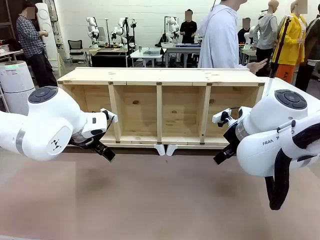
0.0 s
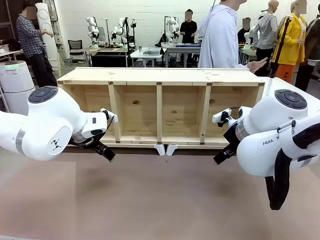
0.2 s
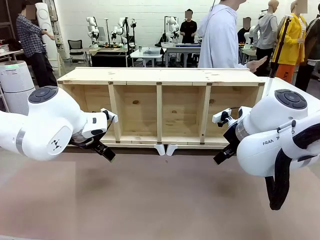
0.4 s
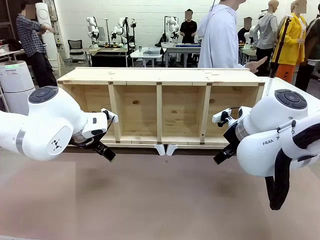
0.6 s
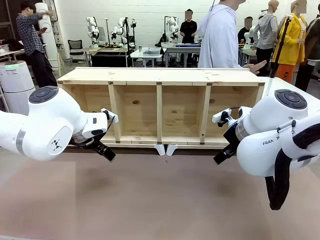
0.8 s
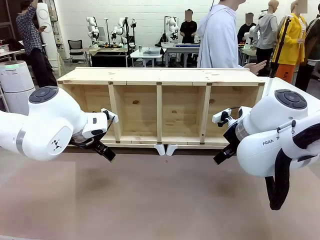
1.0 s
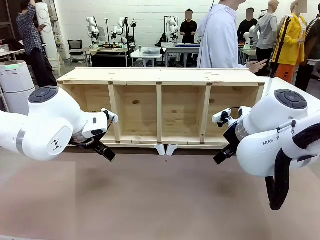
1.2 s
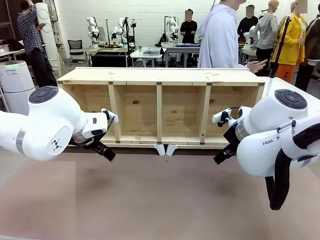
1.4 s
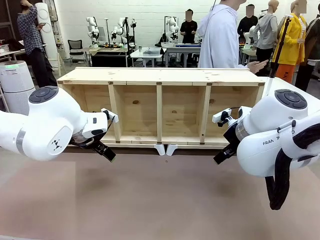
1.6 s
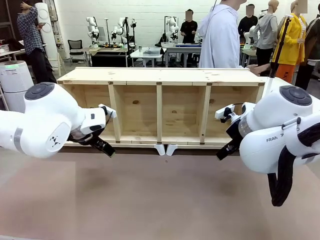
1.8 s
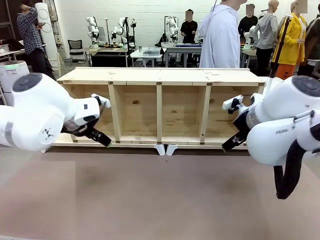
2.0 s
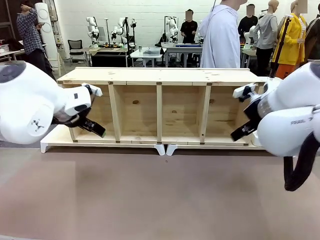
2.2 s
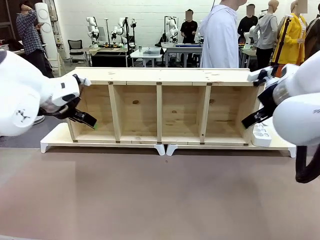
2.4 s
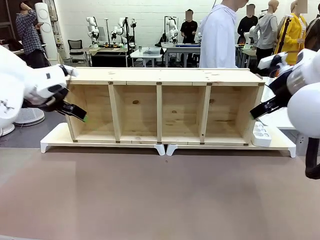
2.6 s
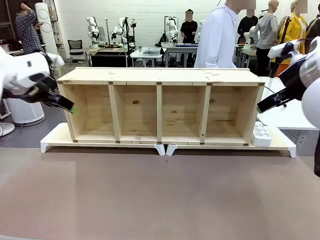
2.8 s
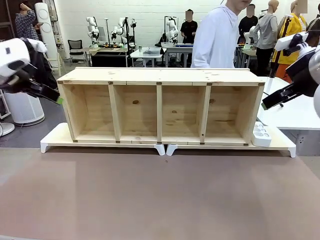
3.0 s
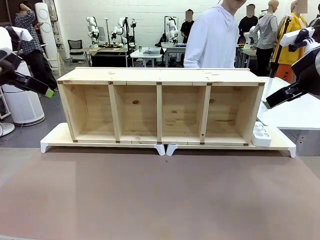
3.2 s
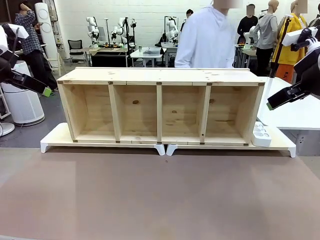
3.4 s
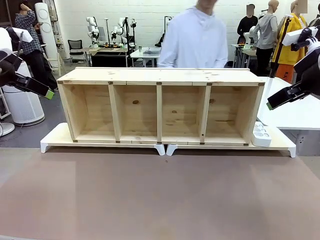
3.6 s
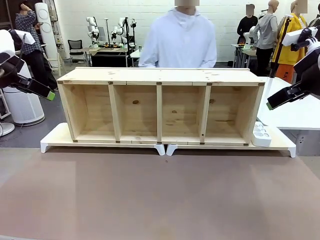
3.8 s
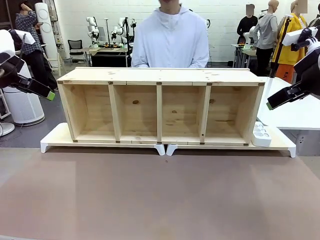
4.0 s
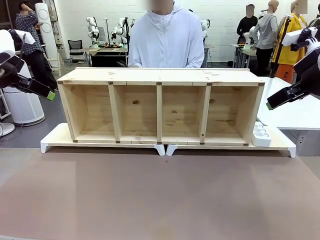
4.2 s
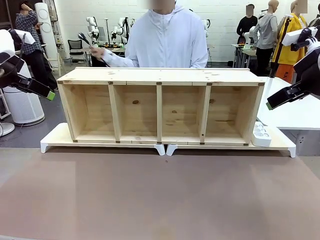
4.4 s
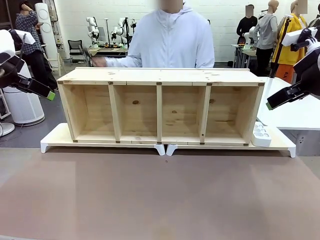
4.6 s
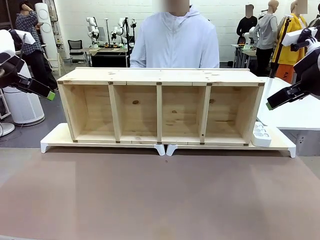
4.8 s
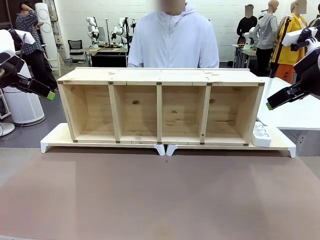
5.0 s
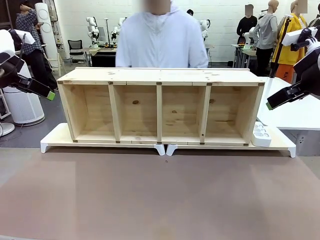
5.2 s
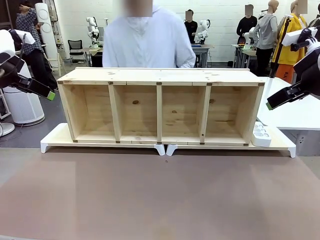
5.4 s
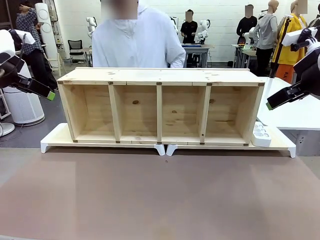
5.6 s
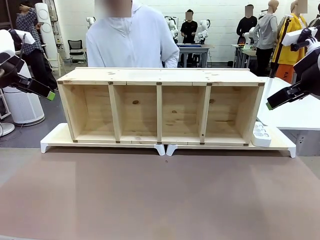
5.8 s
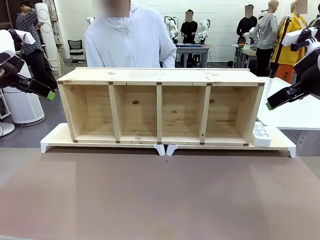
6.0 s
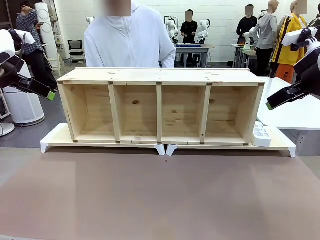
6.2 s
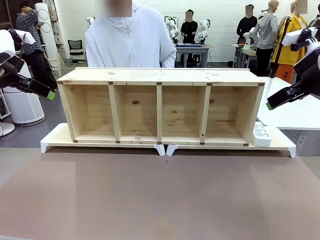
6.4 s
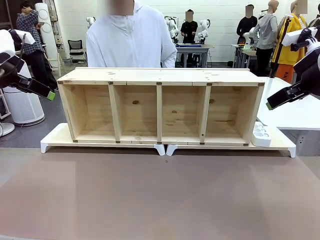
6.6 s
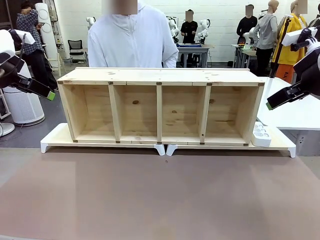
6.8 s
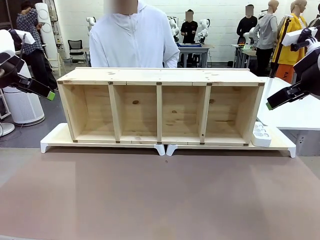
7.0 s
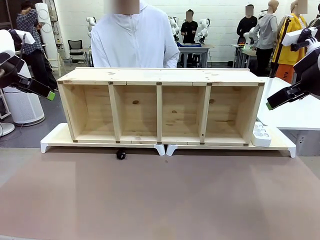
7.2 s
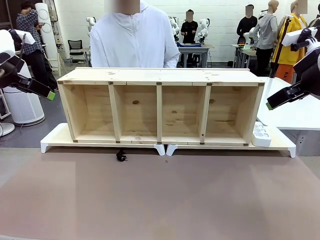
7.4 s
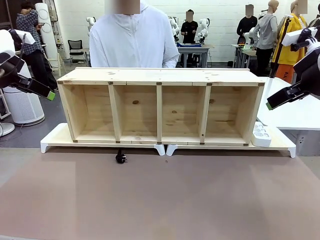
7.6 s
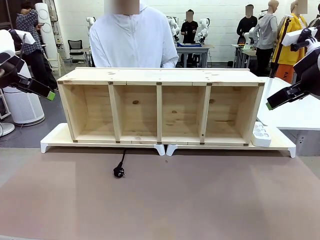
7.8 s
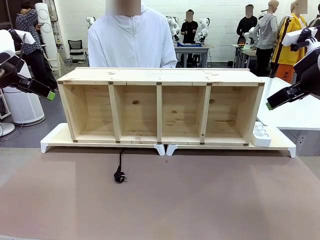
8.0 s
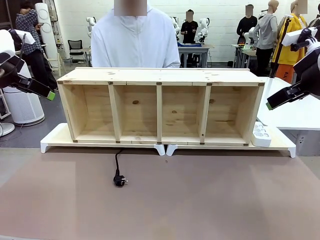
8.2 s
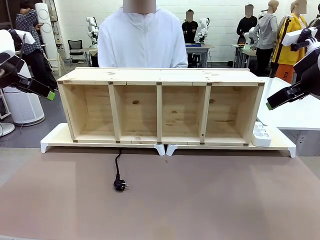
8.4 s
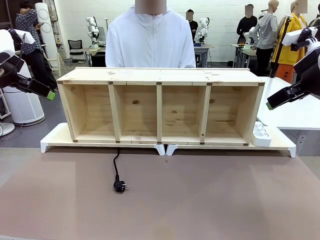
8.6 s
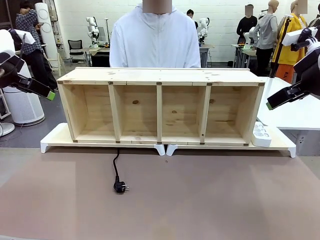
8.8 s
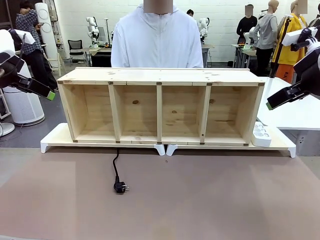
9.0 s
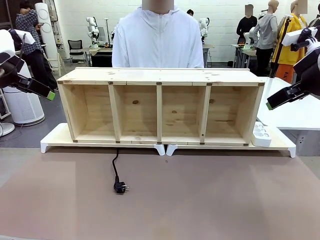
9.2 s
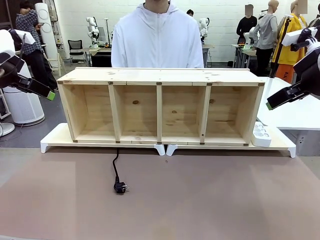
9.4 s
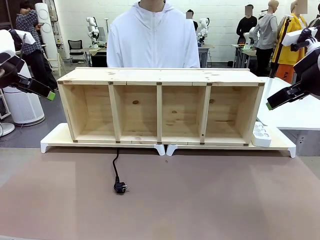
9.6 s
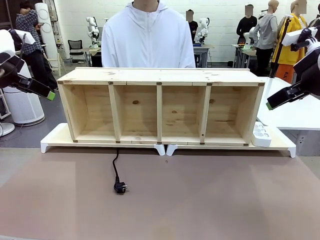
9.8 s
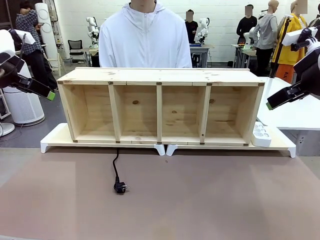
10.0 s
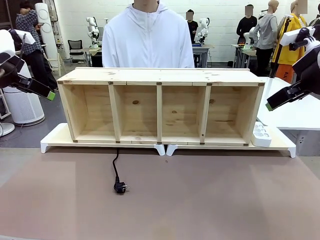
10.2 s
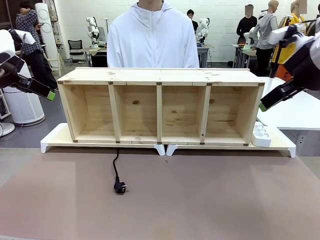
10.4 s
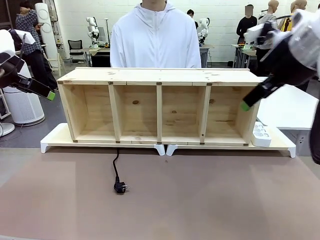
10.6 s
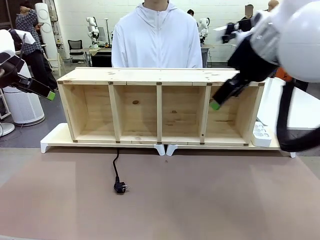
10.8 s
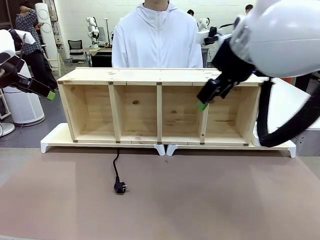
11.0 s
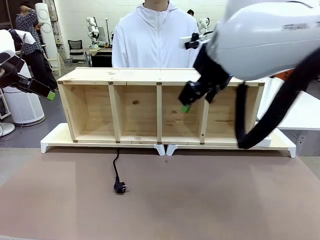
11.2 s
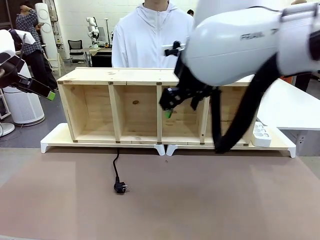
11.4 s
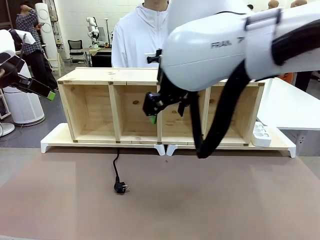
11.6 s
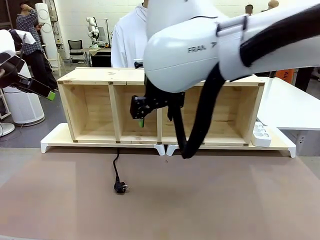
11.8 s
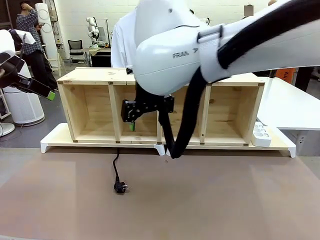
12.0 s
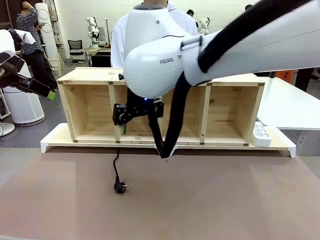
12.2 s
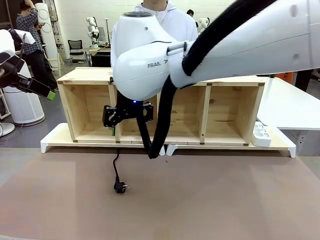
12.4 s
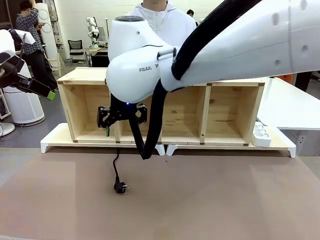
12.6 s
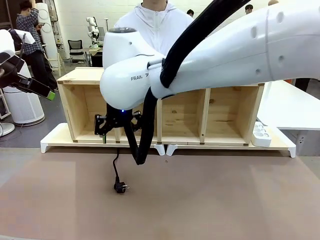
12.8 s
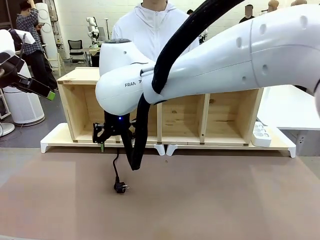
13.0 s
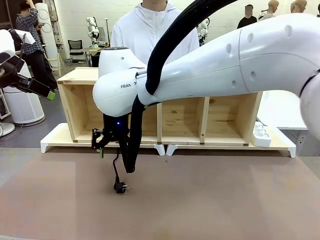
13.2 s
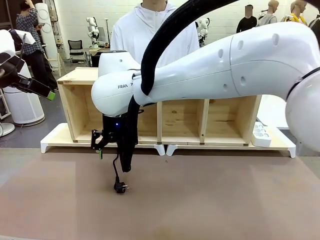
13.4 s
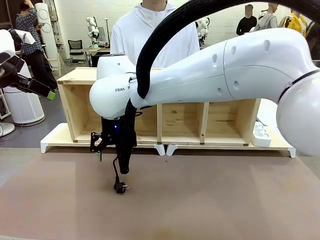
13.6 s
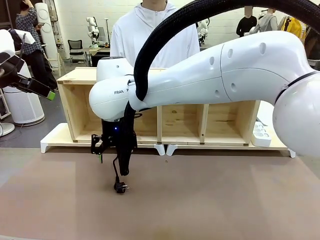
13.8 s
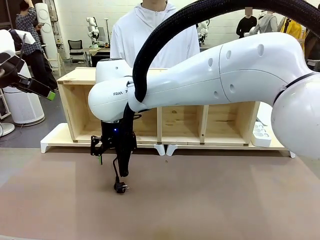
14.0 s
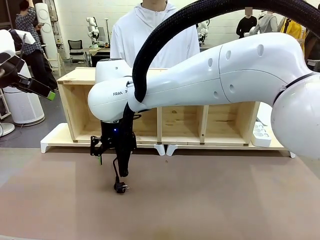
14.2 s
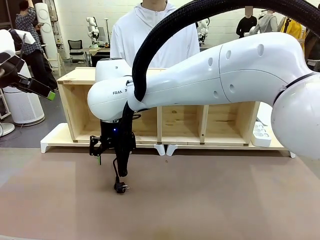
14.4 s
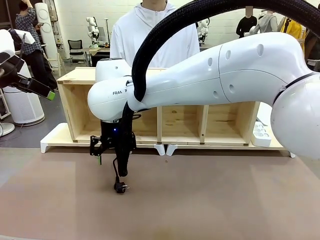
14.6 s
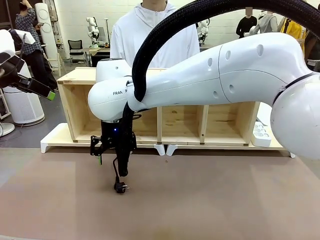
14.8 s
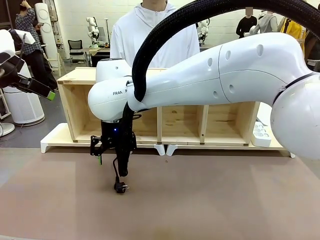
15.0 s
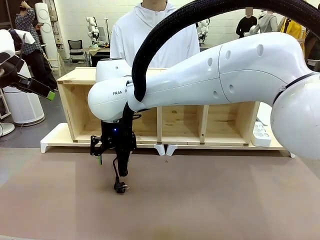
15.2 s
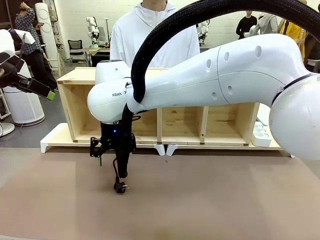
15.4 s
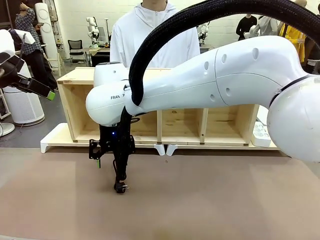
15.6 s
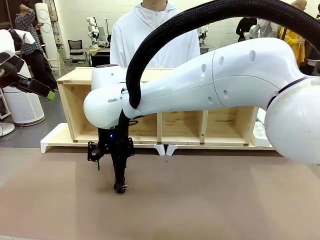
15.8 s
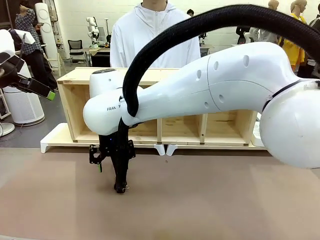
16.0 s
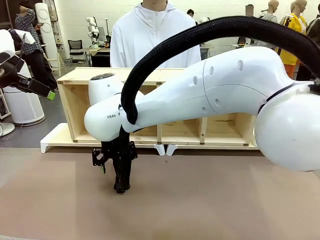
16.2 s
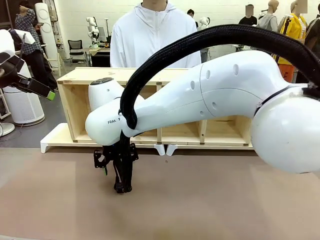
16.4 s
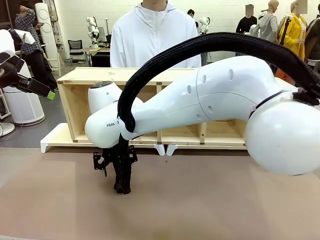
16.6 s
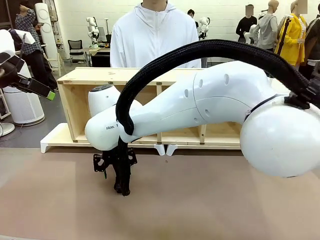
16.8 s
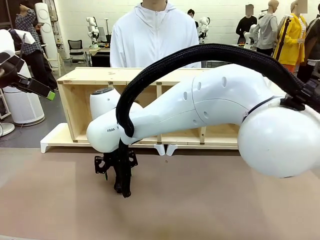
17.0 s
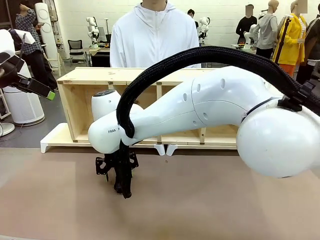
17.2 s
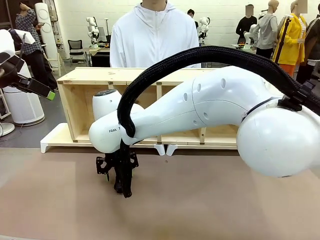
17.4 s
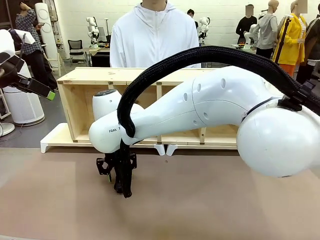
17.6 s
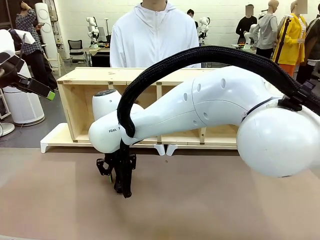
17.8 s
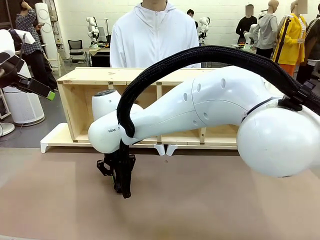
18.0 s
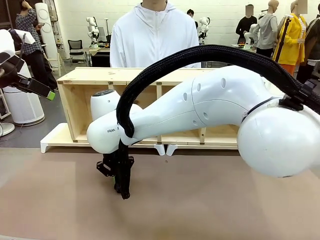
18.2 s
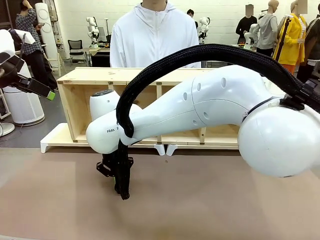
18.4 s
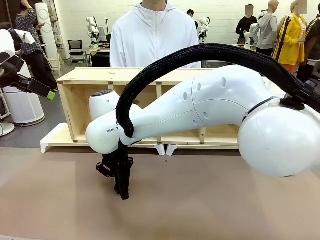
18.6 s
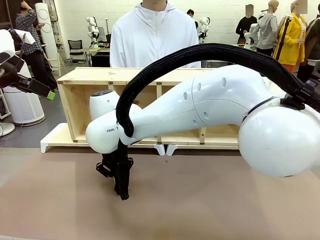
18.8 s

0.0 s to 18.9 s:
Task: Perform cable management.
Robot: When the cord part of the Power Cable appears at the lower middle area of the table and stops, grasp the cord part of the Power Cable.
Person: Pass the Power Cable under the Serving Table.
